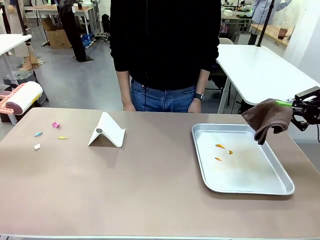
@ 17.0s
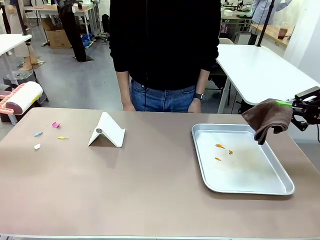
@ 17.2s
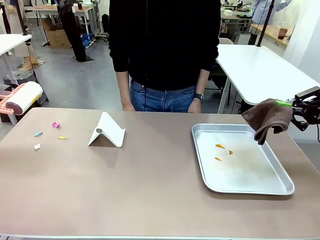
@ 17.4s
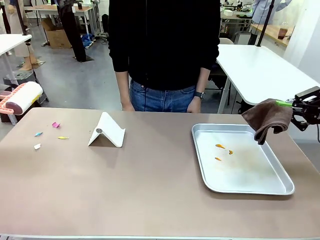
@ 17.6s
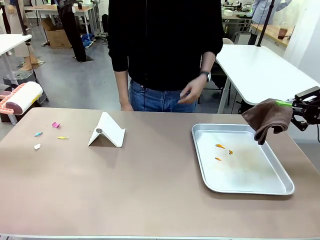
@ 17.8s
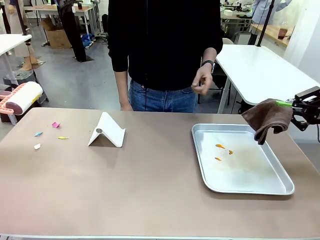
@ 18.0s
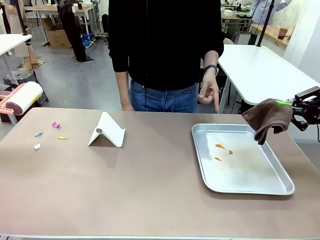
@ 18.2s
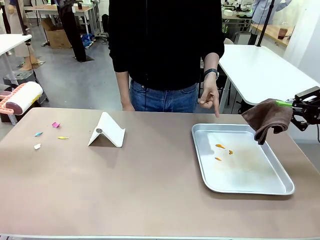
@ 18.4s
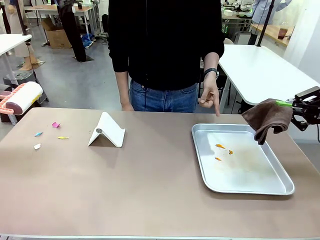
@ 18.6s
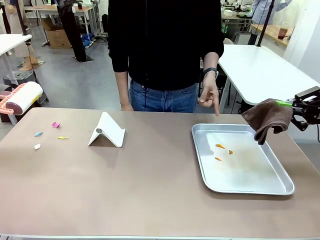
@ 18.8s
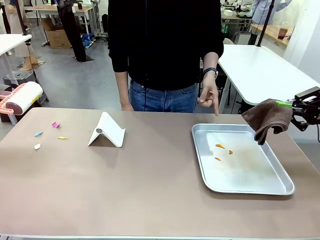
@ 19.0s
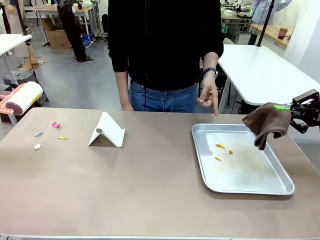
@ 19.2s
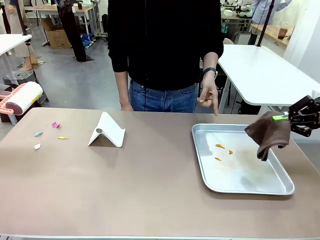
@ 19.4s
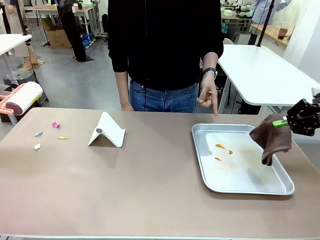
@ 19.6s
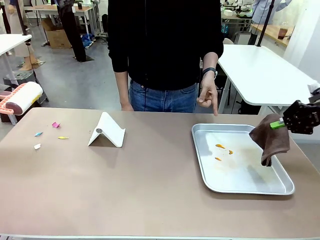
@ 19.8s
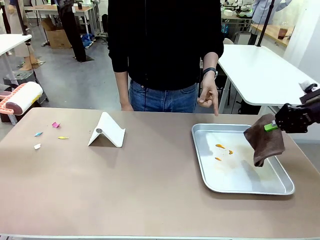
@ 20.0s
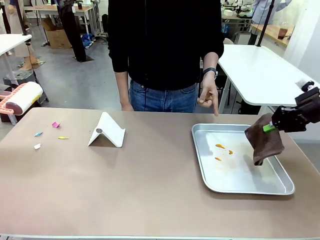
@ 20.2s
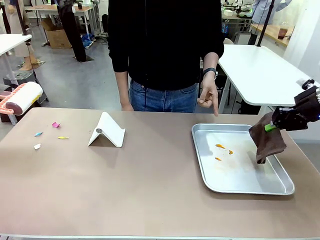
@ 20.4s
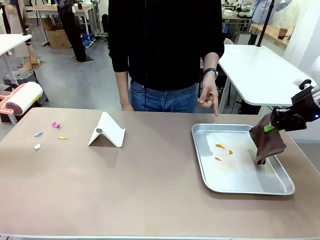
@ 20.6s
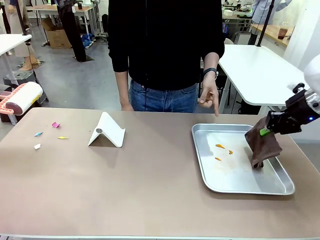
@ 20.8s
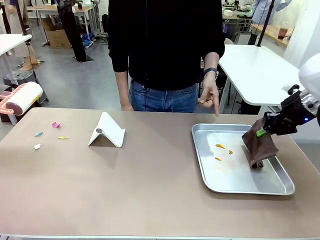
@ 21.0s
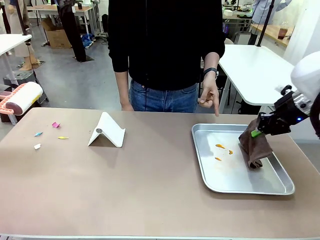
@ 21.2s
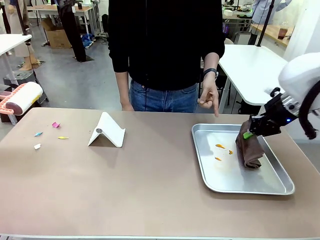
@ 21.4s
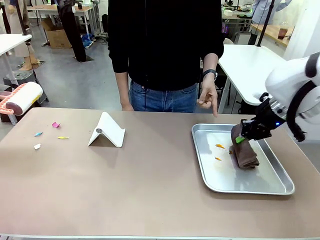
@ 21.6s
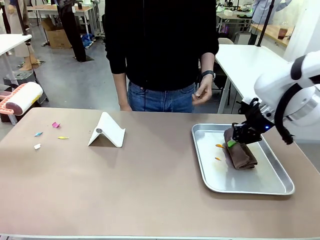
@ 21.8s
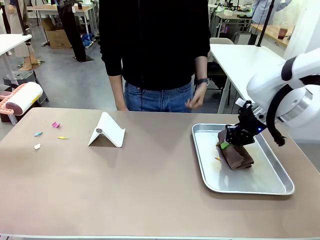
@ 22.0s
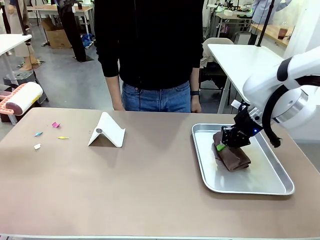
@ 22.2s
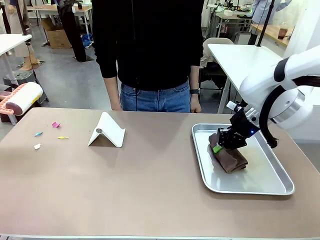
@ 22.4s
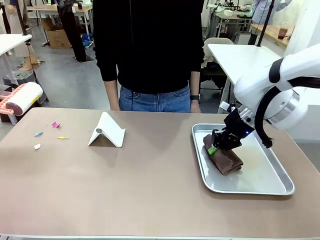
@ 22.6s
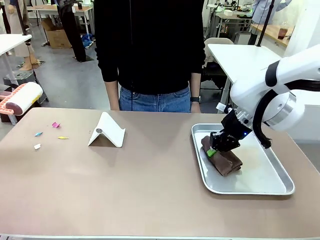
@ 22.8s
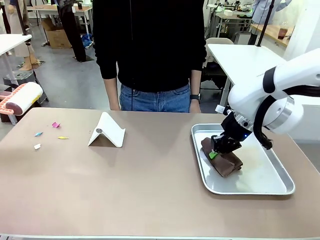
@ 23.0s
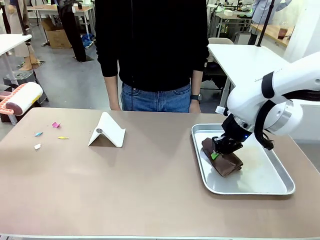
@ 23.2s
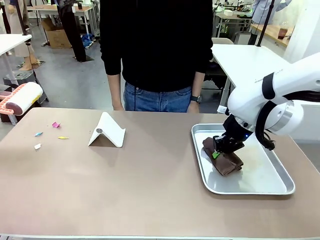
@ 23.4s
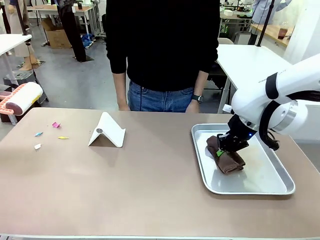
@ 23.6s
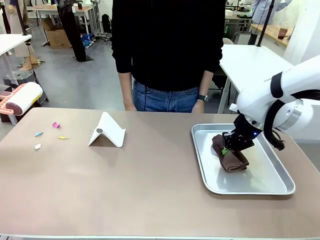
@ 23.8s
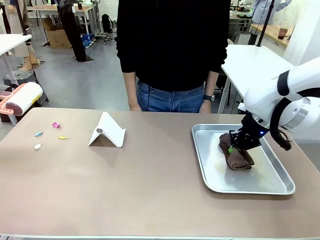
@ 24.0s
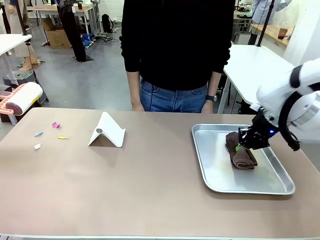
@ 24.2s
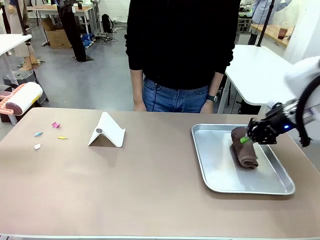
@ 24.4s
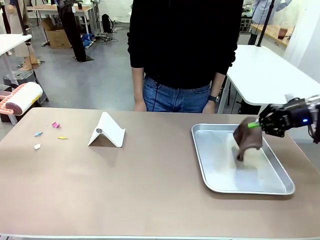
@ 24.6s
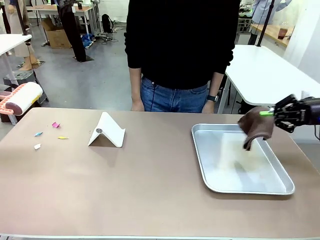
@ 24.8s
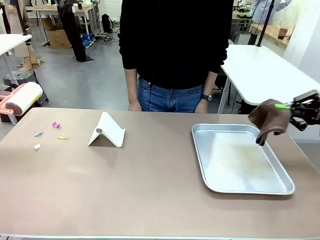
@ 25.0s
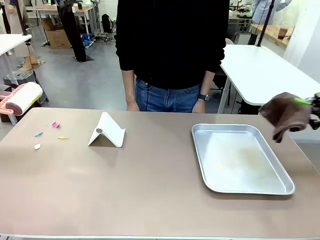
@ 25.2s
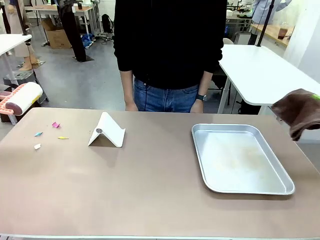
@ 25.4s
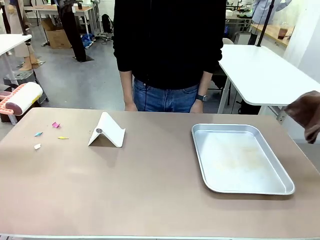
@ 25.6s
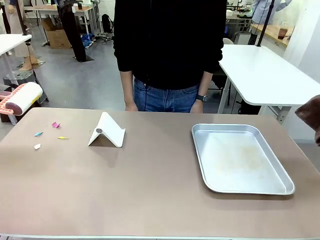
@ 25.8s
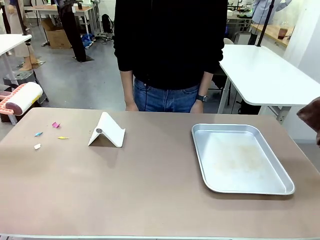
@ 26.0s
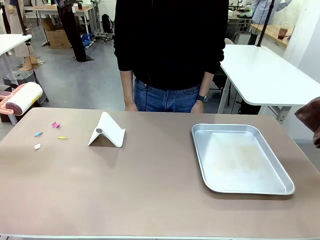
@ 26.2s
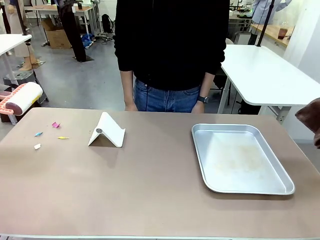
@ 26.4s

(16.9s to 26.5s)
Task: Clean the surface of the table.
Robot: If a person points to the right, clean the right side of the table with your right hand, and if they point to the left, clean the left side with your left hand.

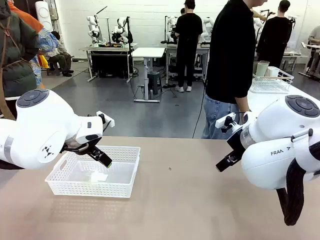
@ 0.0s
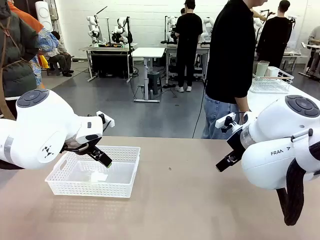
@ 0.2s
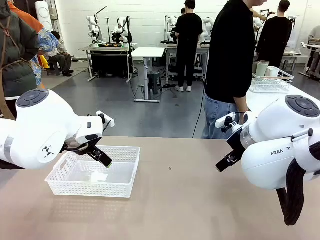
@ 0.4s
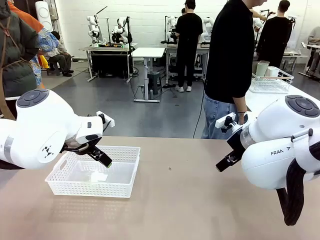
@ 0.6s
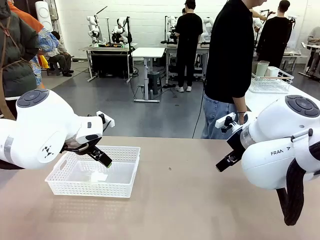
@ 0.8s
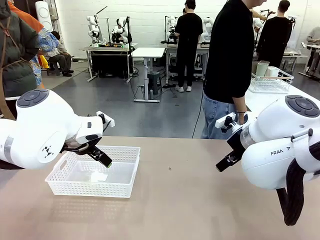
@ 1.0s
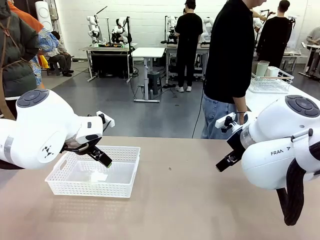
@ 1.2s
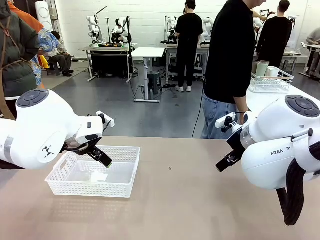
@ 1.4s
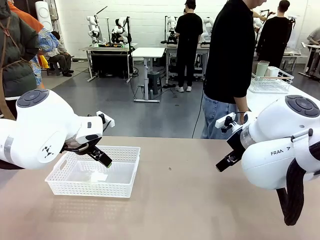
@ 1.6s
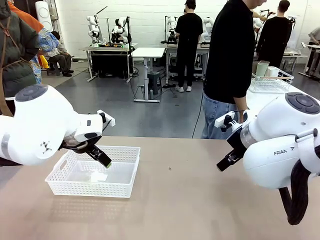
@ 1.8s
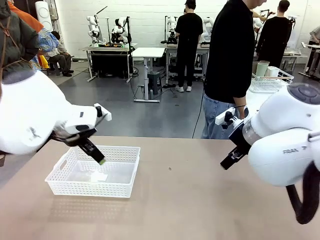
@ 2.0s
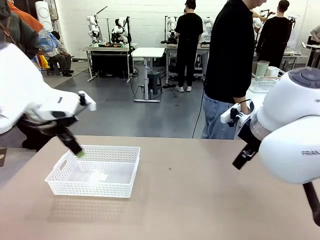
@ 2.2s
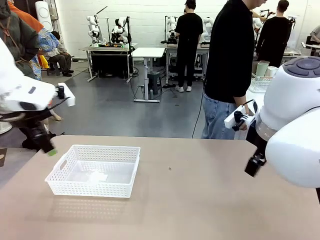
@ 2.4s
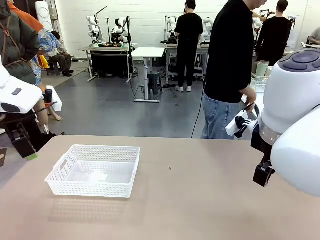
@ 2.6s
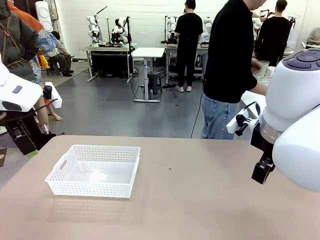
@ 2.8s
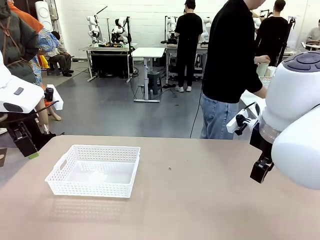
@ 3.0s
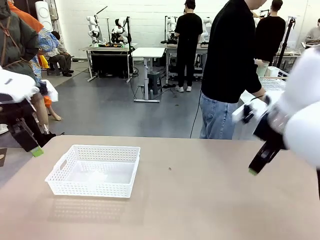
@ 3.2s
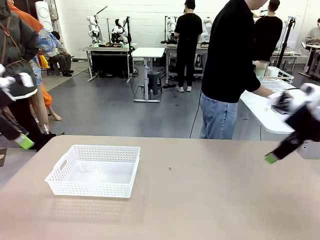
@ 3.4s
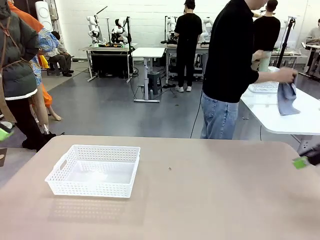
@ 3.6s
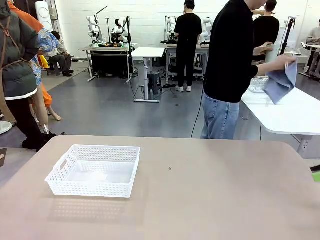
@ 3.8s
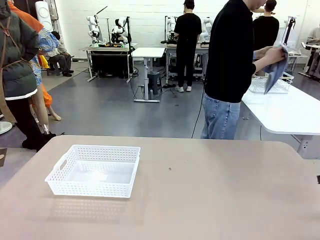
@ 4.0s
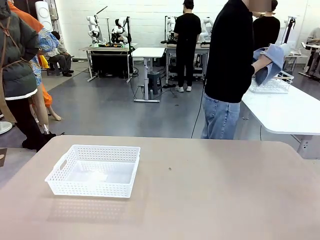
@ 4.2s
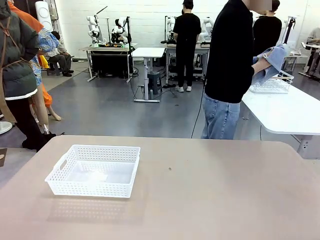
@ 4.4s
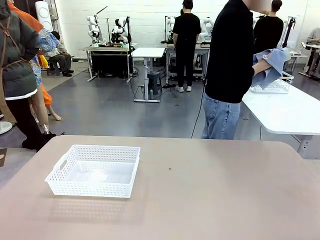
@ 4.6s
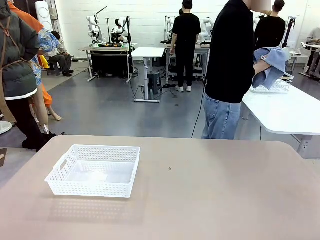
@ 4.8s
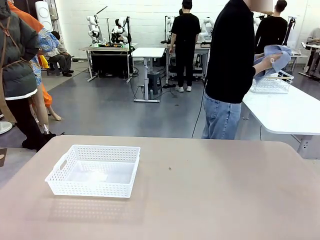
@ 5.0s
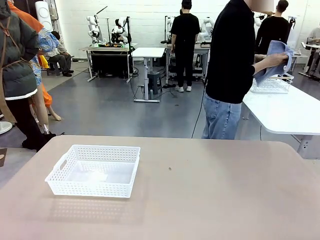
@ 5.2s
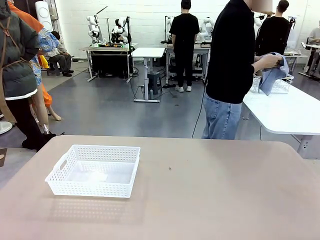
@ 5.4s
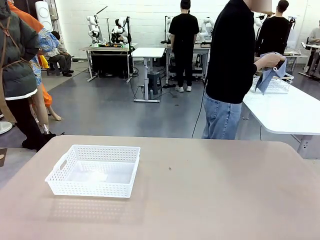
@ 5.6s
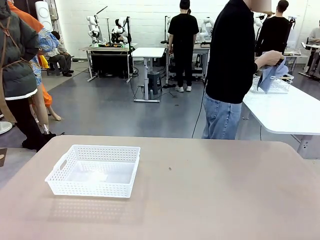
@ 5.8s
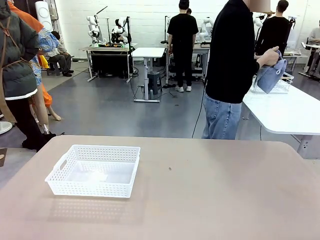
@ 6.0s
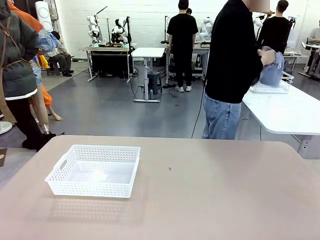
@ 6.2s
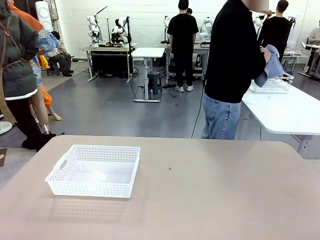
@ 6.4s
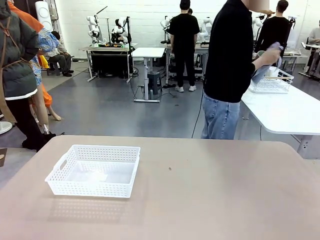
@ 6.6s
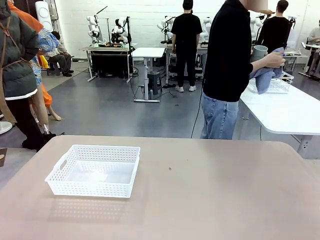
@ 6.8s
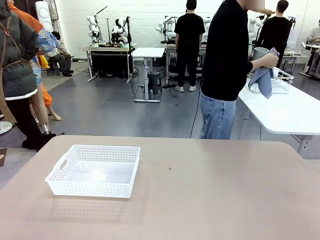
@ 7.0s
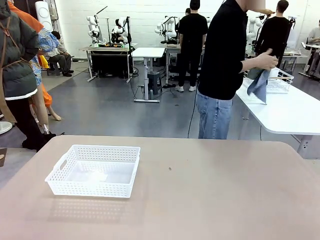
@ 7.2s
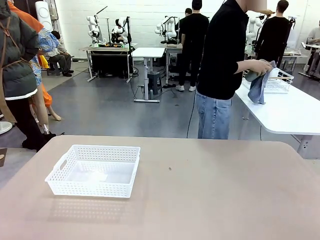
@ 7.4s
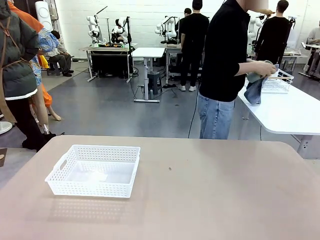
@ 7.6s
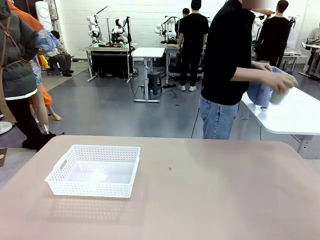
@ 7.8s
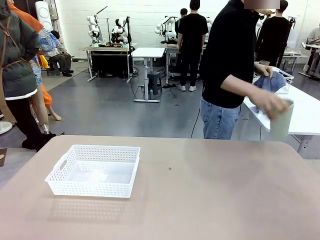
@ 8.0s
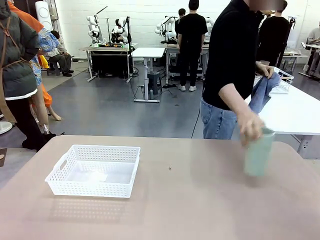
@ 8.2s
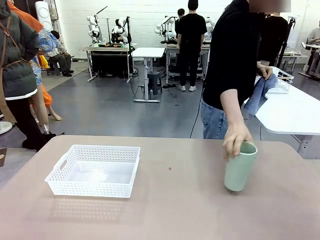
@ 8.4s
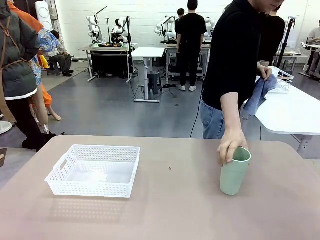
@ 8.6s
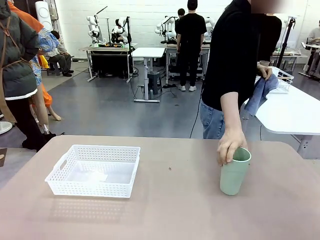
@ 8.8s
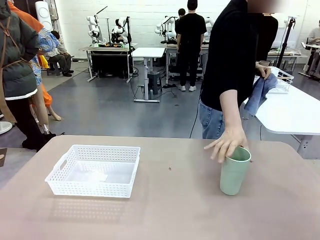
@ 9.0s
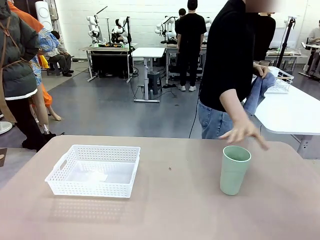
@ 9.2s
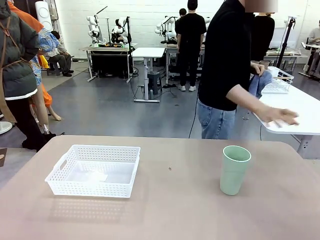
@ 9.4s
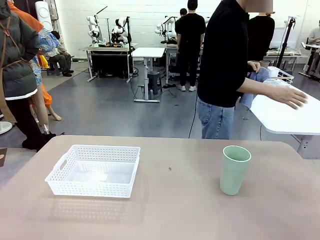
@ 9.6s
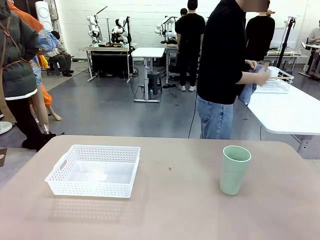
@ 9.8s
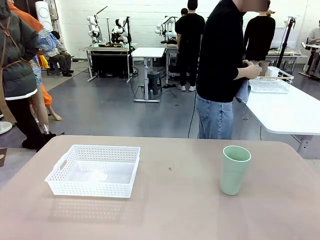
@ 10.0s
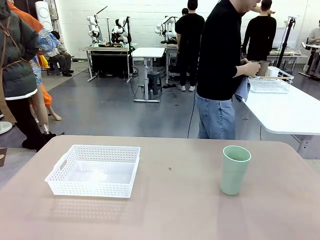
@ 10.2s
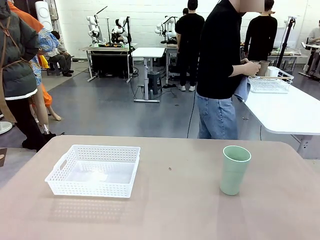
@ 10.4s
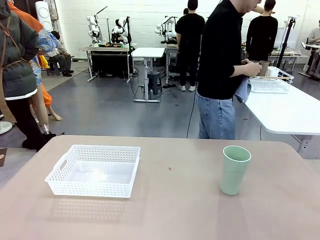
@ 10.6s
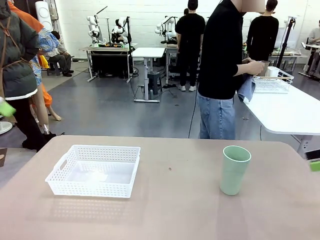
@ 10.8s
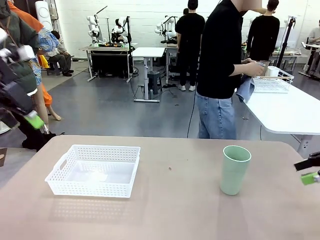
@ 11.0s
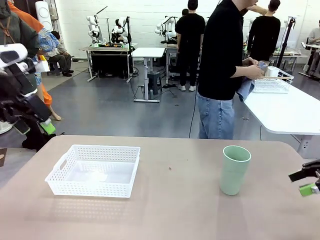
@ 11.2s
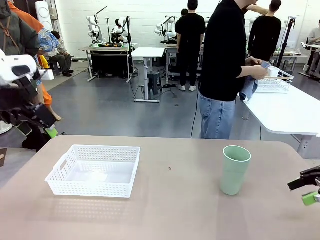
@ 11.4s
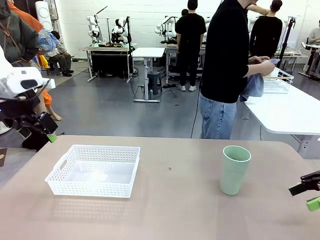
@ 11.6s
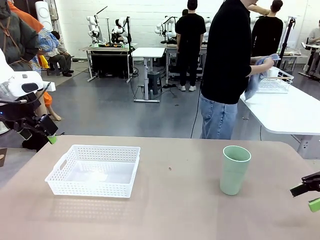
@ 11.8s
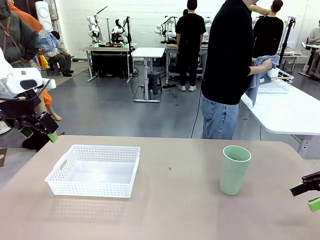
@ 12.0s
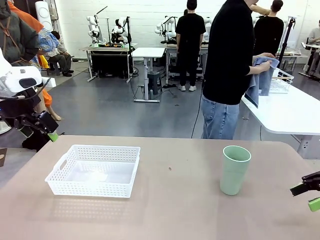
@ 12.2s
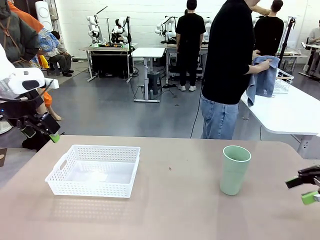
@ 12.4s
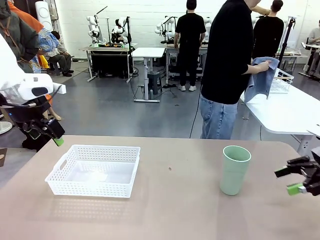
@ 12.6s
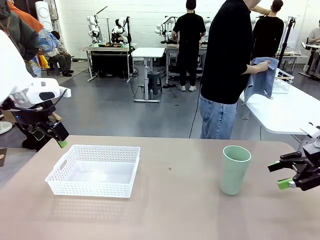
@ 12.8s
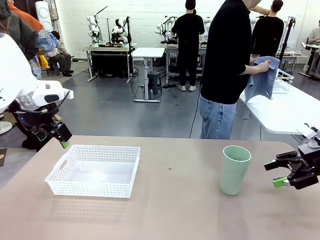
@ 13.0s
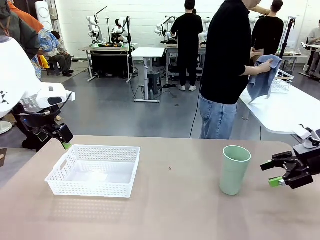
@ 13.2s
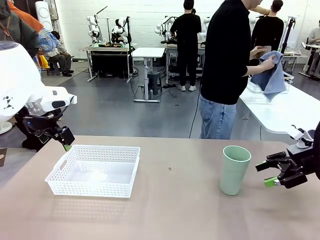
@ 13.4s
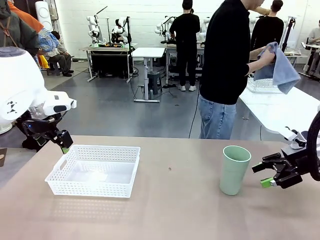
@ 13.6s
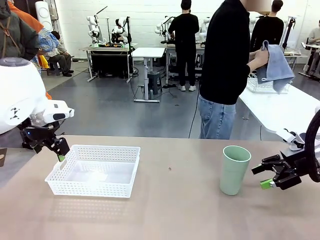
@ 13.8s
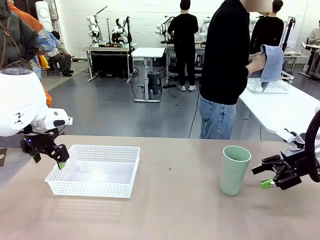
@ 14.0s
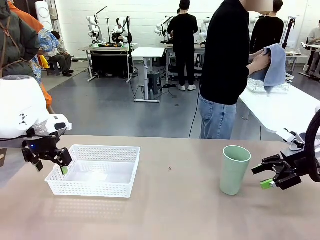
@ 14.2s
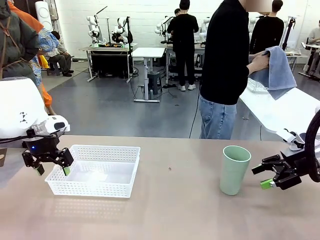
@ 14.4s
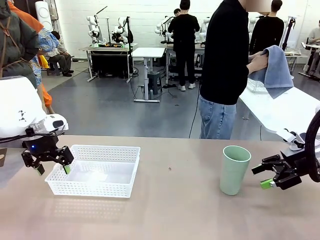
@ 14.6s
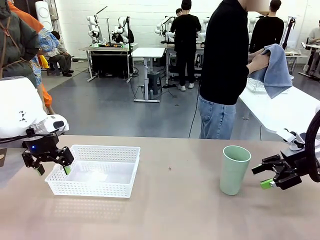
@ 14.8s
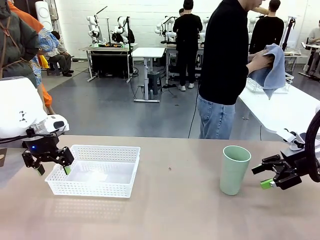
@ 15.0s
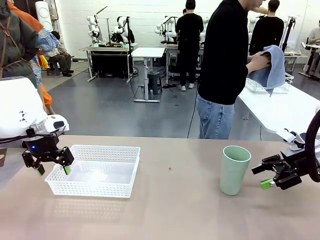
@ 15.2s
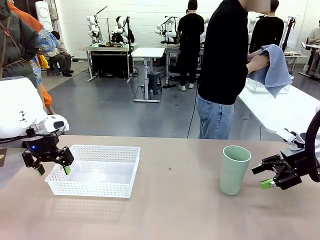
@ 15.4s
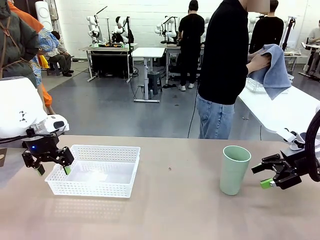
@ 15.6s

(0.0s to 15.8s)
Task: Clean and organize the cups into the basket.
Robot: Pick up the Organizing basket and move it to the center of the table, then pick up the Reusable plastic cup from the right side of the table and place it inside the Organizing basket.
Person: Picks up a cup and a towel, cleans the cup with the towel, and places it on the left side of the robot table.
